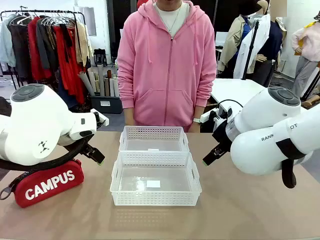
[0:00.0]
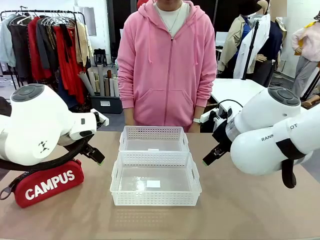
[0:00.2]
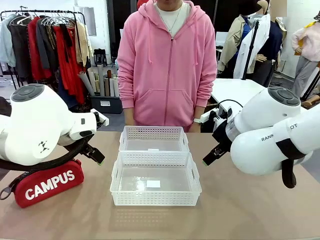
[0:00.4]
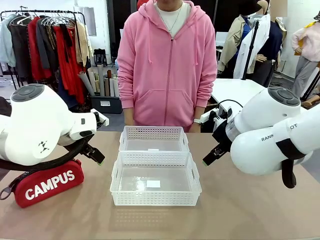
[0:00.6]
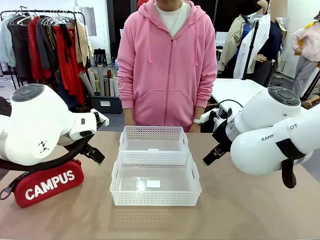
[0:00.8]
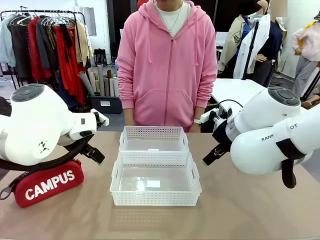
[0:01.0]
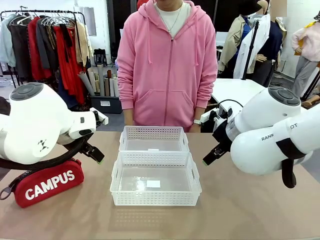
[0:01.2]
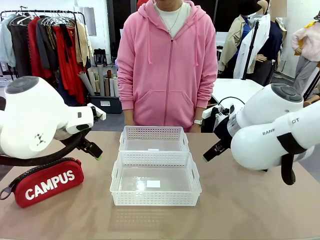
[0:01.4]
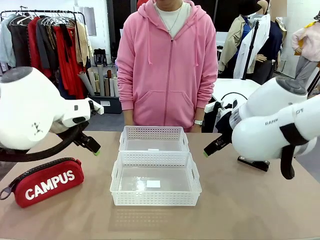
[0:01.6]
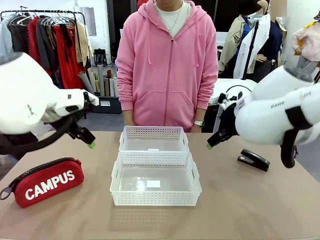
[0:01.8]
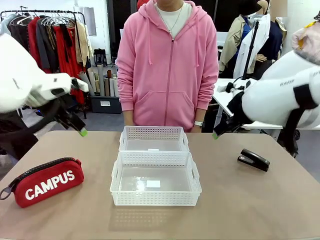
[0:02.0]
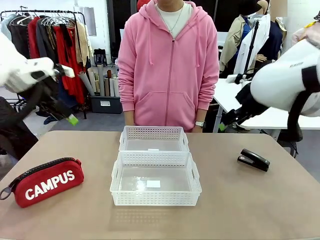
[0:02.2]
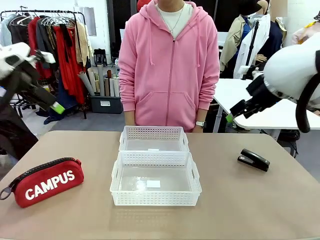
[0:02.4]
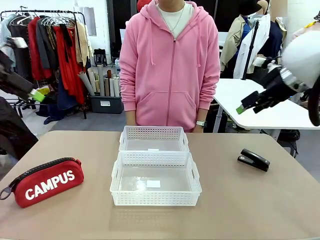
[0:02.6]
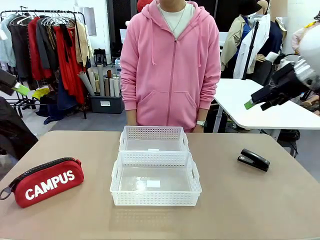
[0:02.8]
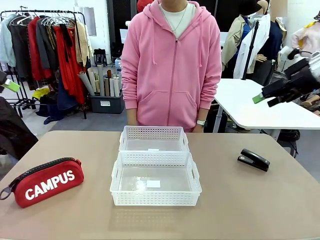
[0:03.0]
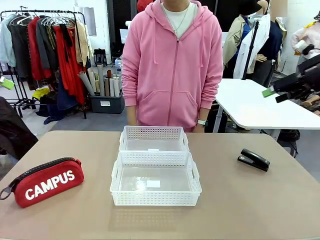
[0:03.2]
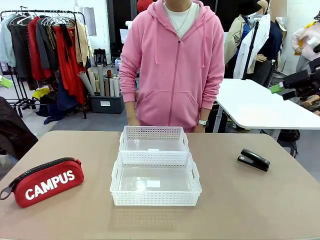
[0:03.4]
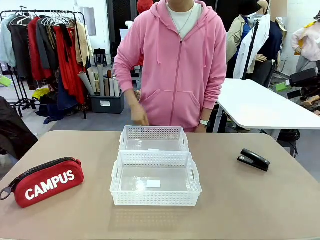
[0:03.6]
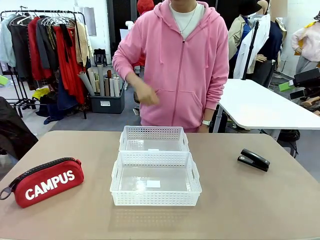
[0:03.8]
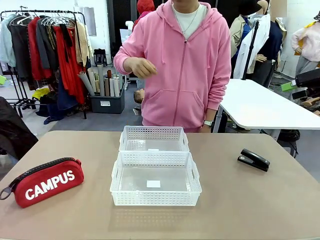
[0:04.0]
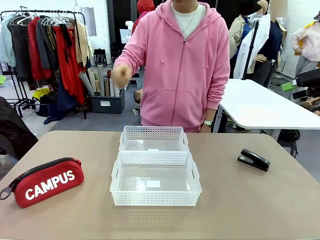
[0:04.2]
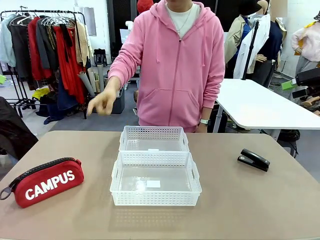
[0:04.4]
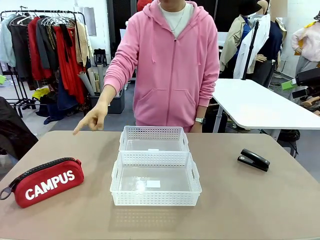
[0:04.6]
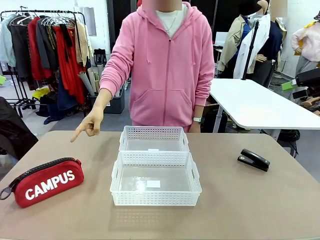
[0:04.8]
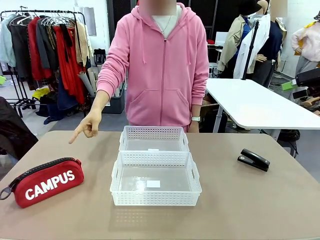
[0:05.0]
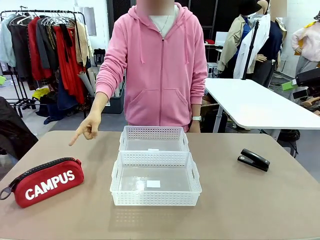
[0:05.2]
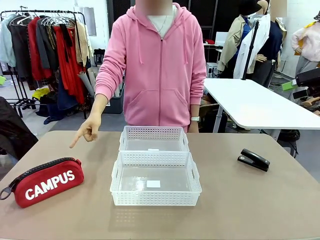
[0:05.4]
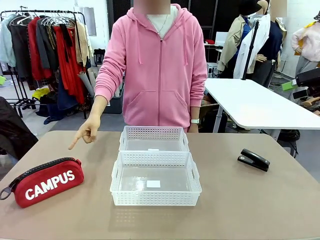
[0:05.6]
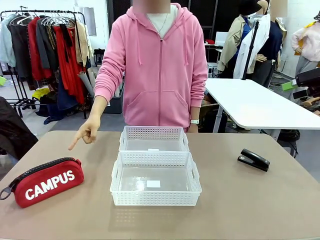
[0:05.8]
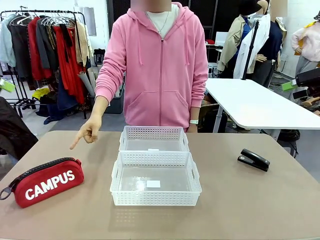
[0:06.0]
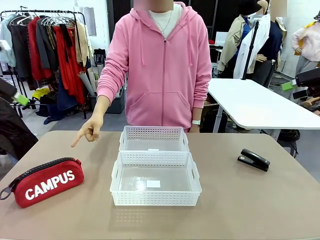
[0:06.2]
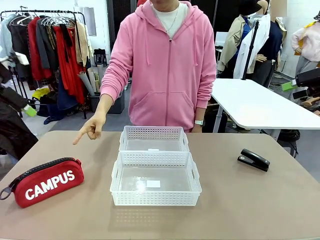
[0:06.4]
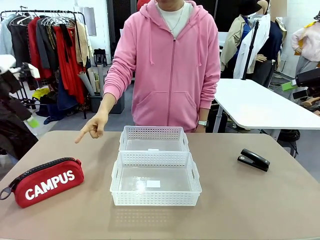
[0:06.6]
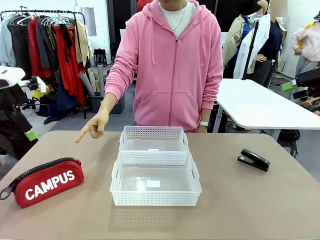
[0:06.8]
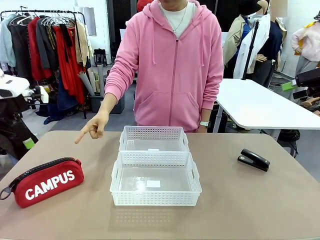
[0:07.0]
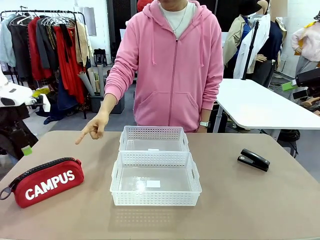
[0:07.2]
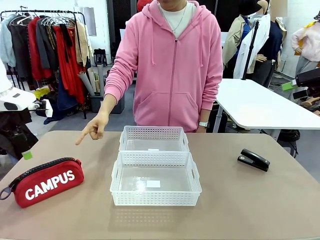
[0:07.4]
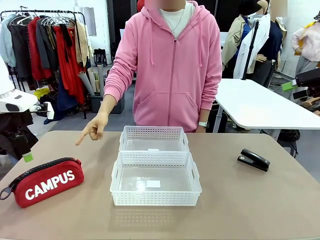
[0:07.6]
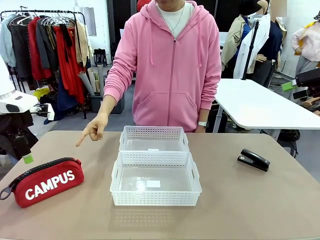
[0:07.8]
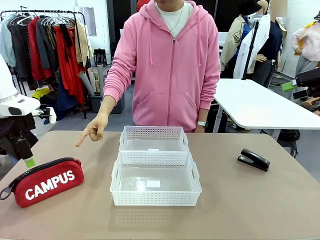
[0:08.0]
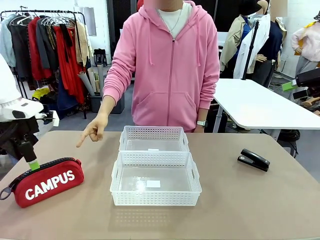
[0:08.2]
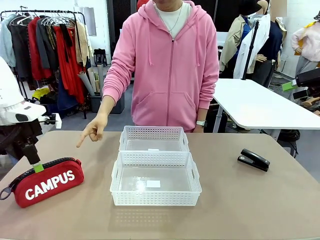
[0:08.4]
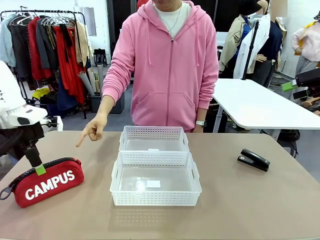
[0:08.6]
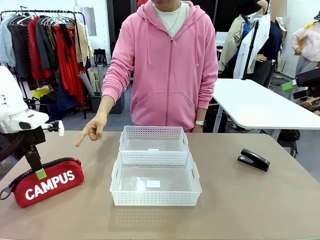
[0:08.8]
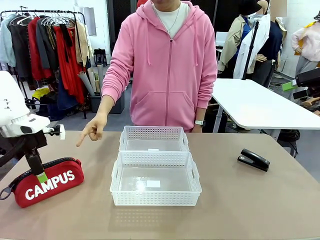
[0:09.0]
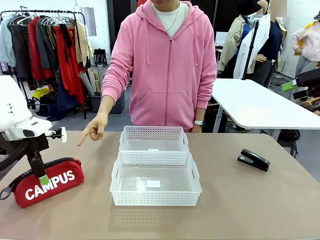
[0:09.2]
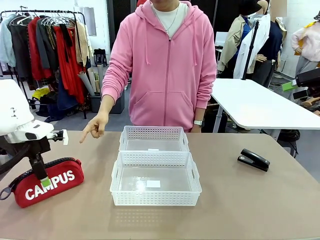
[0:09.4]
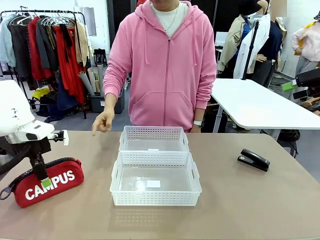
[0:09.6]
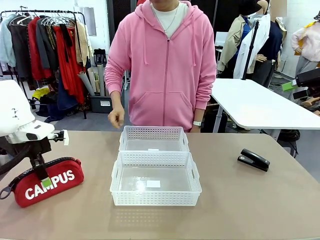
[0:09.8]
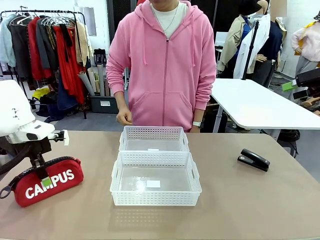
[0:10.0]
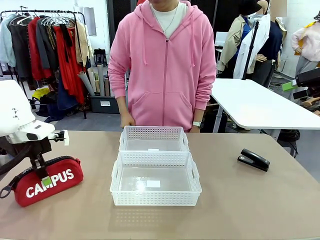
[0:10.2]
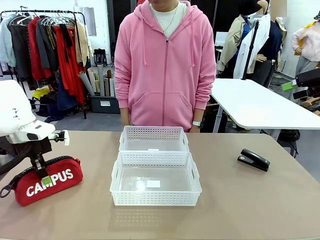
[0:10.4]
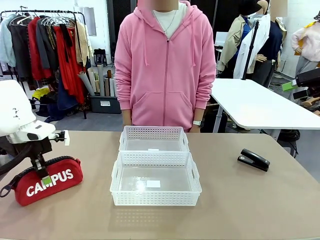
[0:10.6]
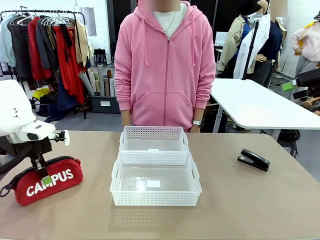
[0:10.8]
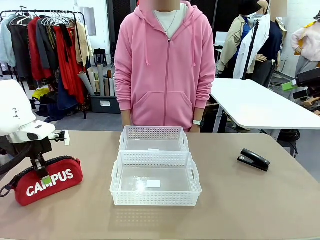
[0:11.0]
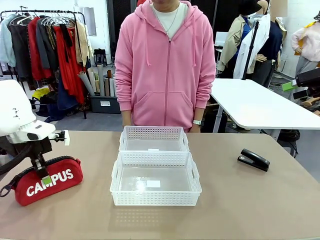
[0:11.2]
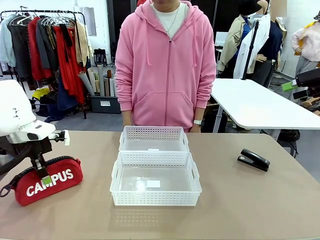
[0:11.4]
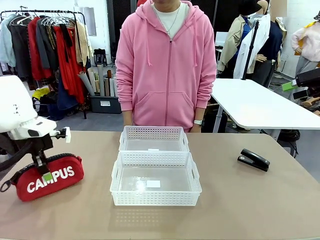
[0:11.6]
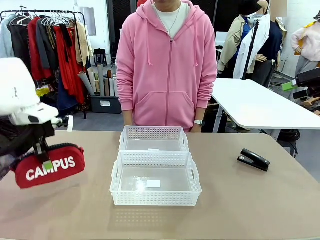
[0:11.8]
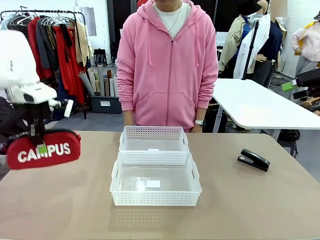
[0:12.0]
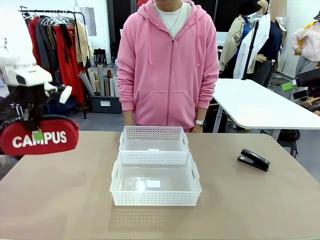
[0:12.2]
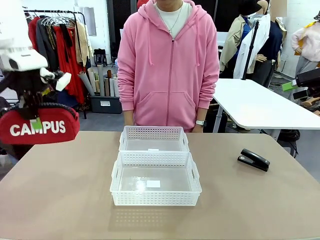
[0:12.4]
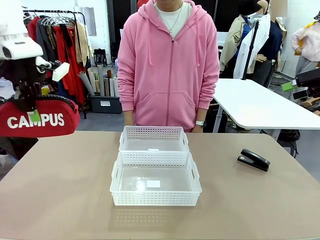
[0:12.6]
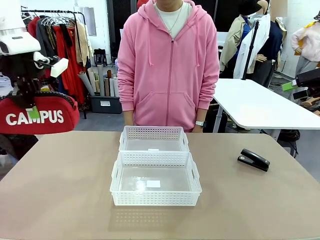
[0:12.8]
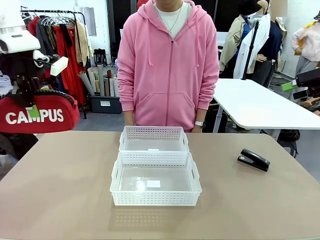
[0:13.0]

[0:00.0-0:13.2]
Task: Distribute items into two baskets.
Robot: Pick up the Pencil pouch that the person points to.
Person: Points to the pencil case. Points between the two organizing baskets and instructs the robot to move the pencil case.

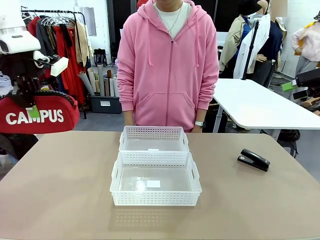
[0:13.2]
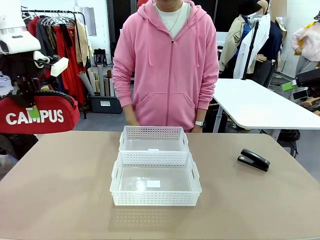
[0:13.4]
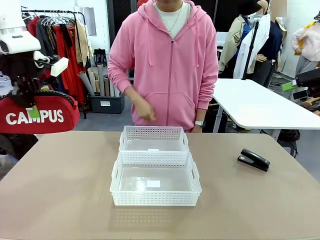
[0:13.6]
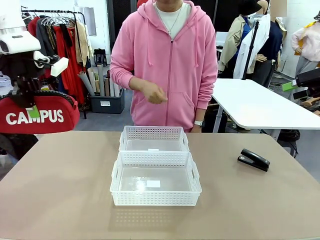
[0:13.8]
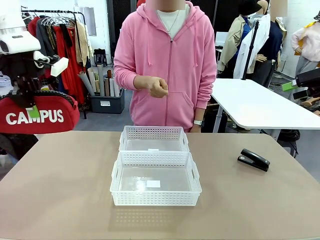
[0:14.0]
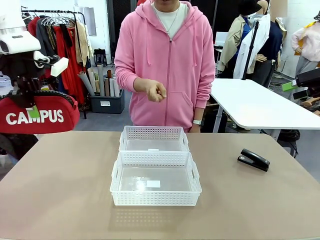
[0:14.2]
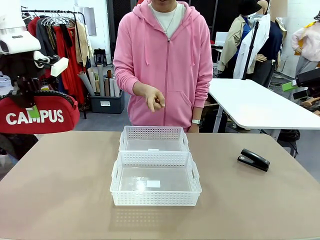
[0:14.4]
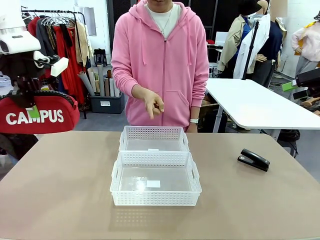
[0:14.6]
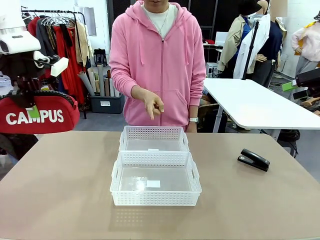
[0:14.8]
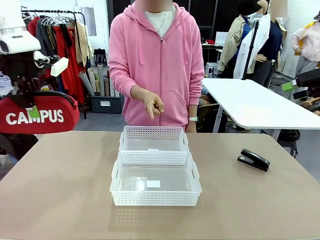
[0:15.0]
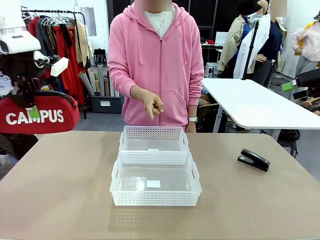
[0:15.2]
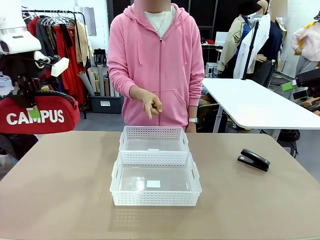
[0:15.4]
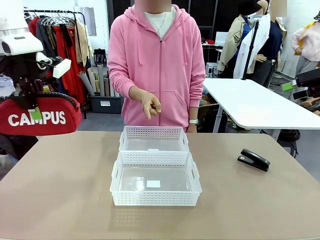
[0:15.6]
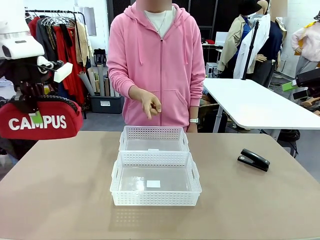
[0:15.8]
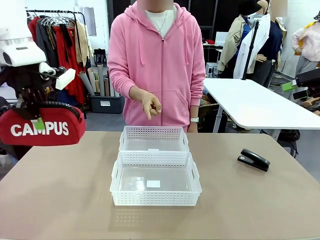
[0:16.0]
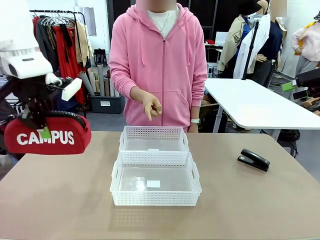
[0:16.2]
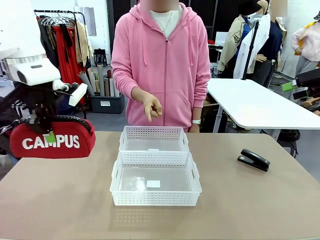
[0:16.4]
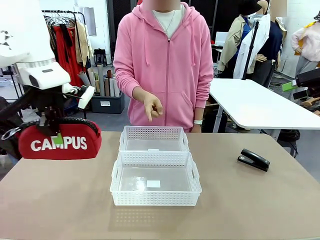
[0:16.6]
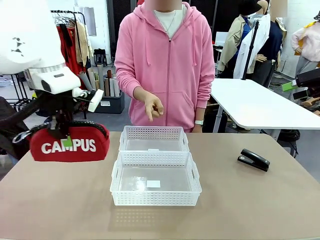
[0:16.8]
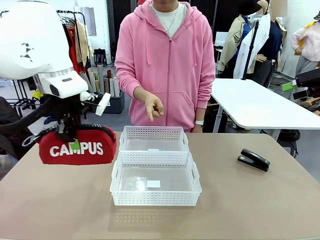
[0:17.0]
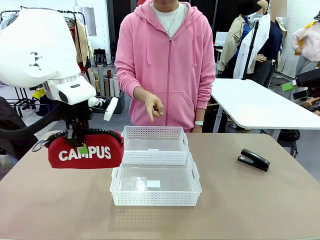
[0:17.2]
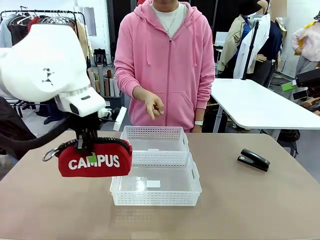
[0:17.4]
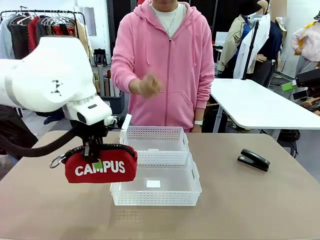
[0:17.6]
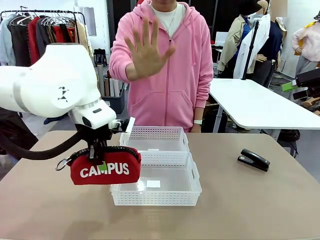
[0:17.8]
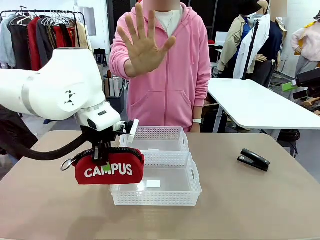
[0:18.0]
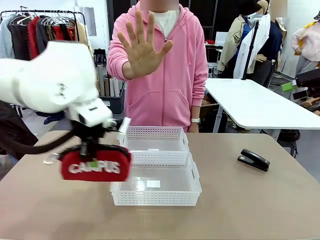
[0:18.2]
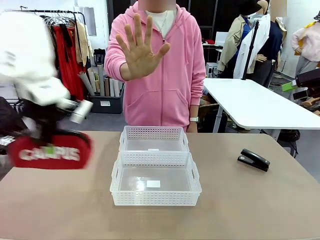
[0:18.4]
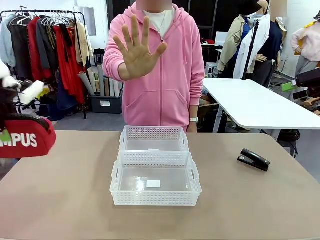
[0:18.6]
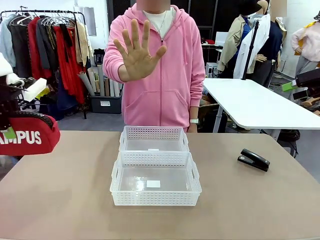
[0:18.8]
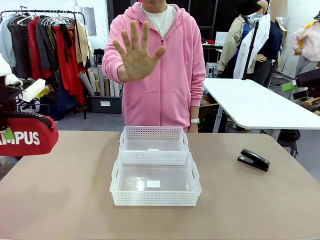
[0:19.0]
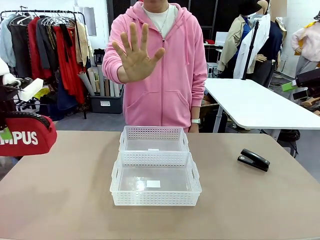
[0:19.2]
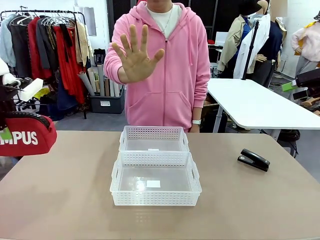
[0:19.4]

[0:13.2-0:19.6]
Robot: Move the picked Pencil pouch towards the Organizing basket indicated by the person, stopping as directed.
Person: Sends a stop gesture before the robot places the pencil case into the basket.
